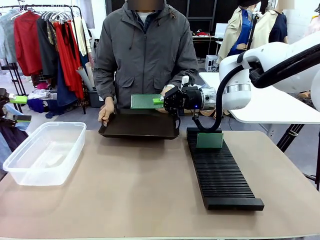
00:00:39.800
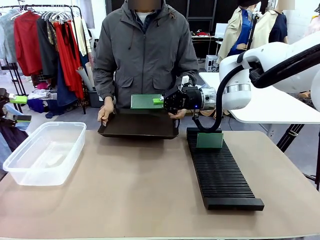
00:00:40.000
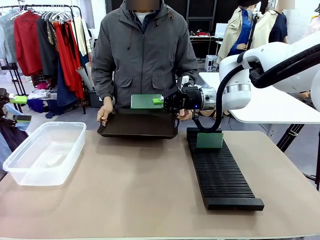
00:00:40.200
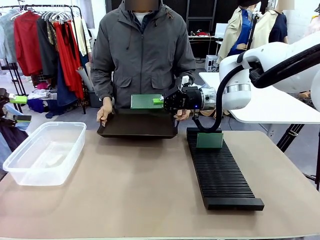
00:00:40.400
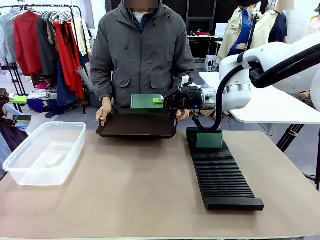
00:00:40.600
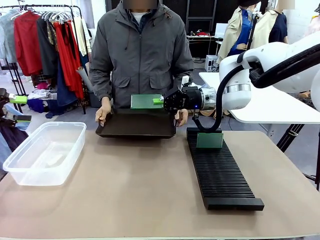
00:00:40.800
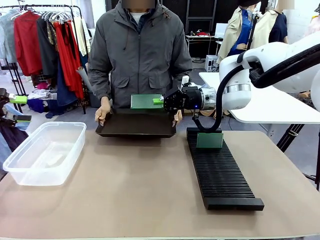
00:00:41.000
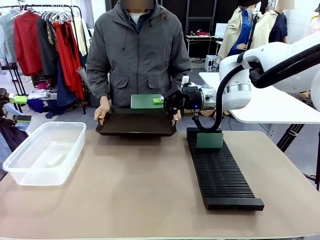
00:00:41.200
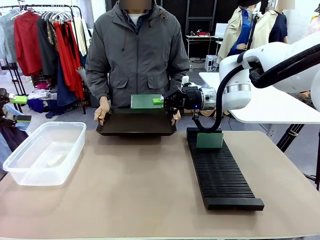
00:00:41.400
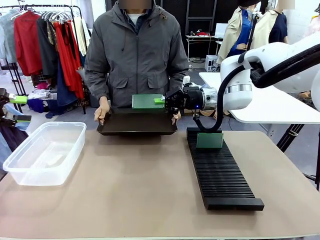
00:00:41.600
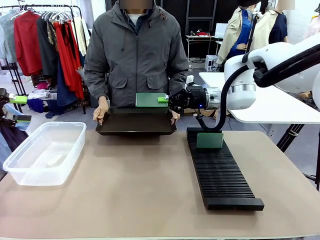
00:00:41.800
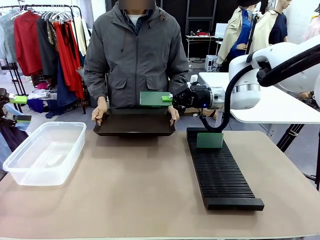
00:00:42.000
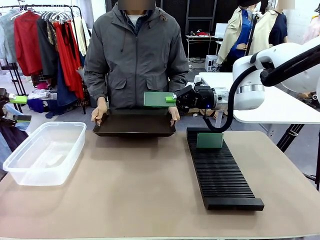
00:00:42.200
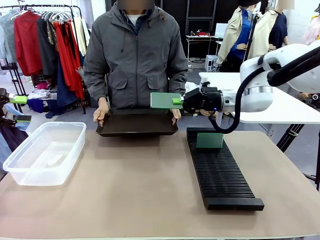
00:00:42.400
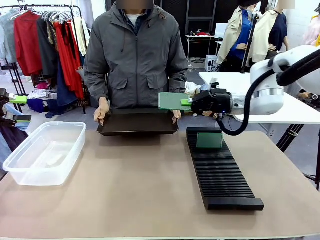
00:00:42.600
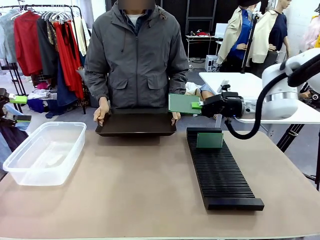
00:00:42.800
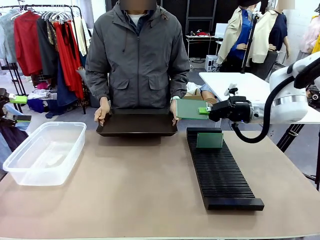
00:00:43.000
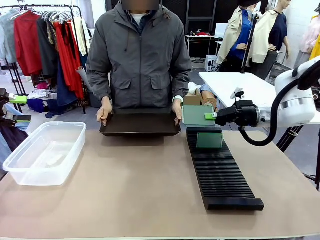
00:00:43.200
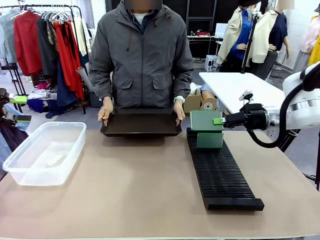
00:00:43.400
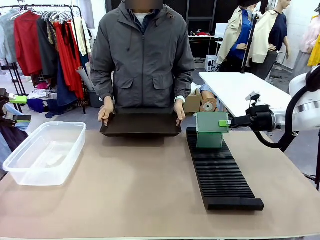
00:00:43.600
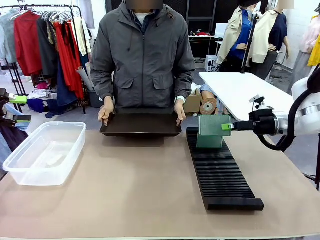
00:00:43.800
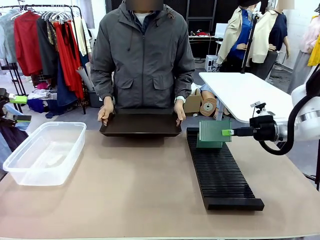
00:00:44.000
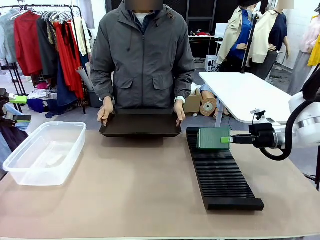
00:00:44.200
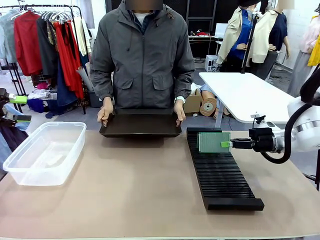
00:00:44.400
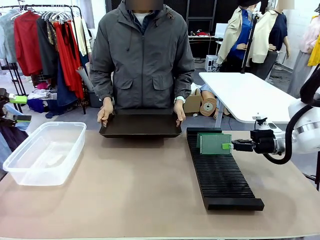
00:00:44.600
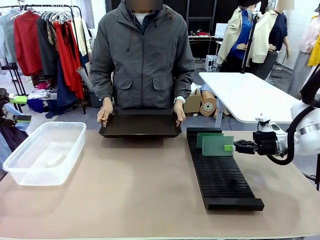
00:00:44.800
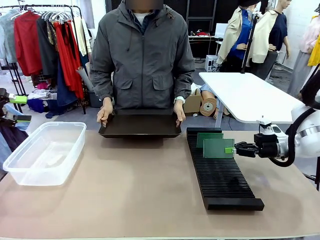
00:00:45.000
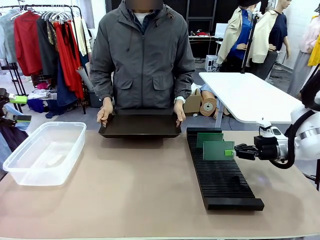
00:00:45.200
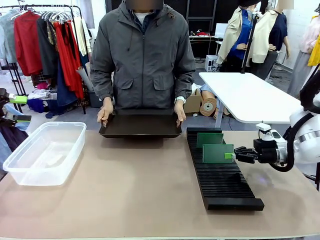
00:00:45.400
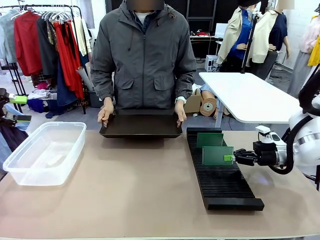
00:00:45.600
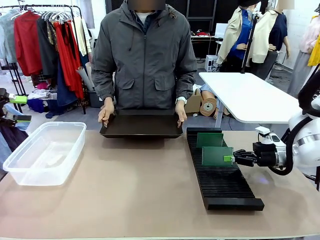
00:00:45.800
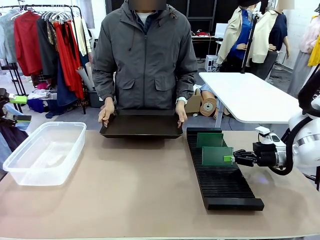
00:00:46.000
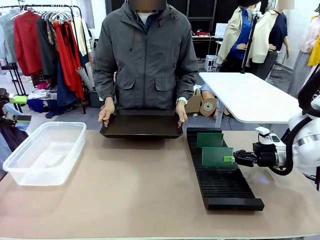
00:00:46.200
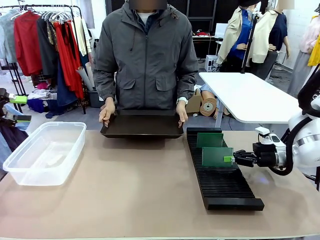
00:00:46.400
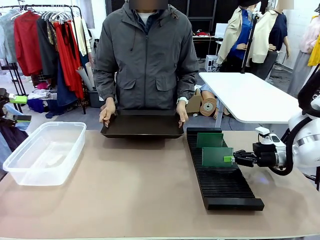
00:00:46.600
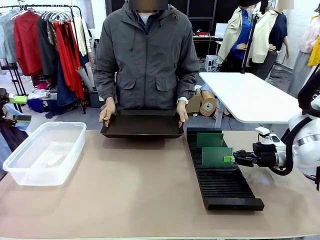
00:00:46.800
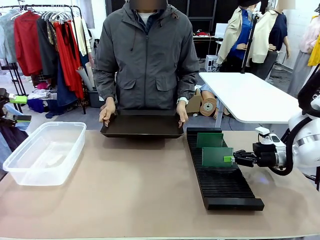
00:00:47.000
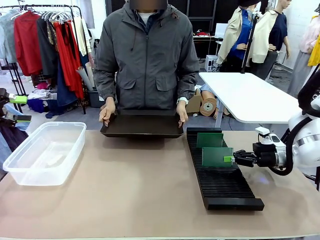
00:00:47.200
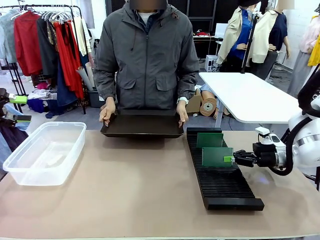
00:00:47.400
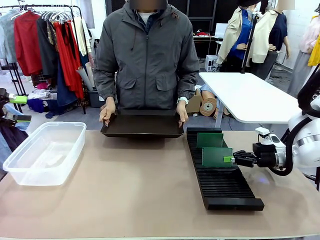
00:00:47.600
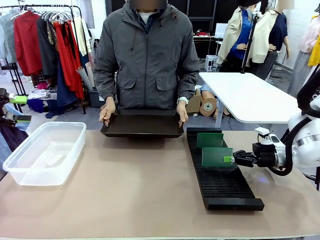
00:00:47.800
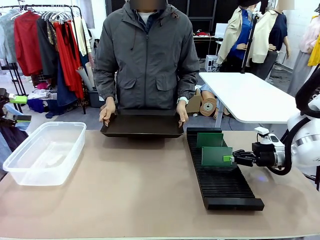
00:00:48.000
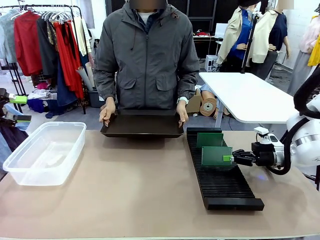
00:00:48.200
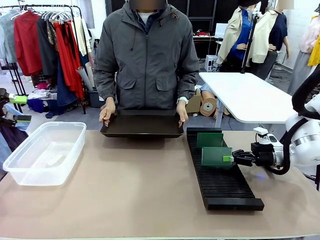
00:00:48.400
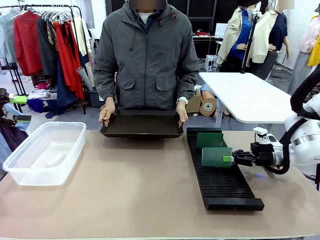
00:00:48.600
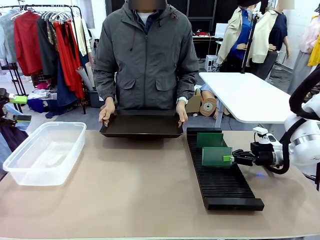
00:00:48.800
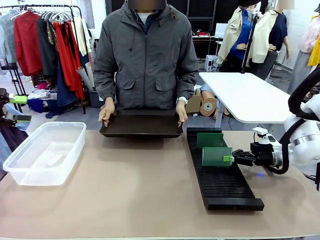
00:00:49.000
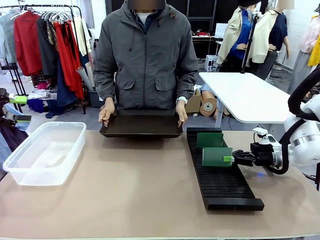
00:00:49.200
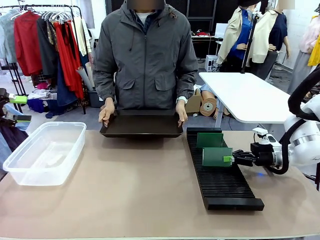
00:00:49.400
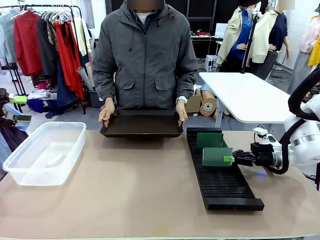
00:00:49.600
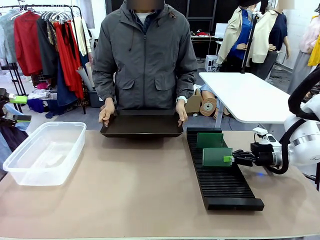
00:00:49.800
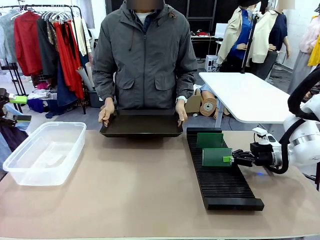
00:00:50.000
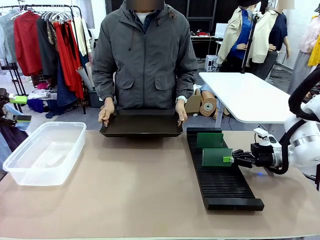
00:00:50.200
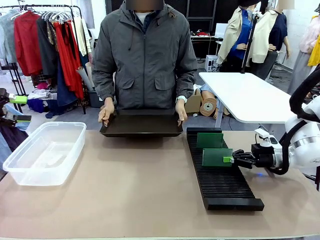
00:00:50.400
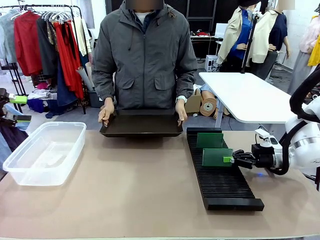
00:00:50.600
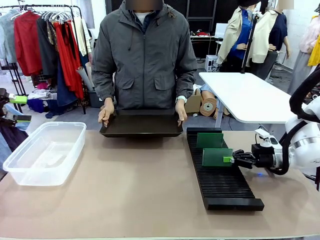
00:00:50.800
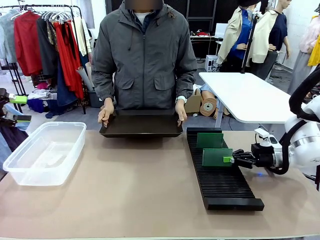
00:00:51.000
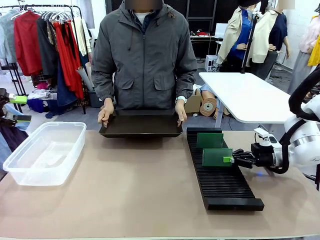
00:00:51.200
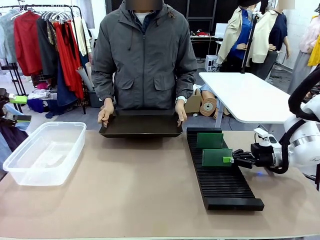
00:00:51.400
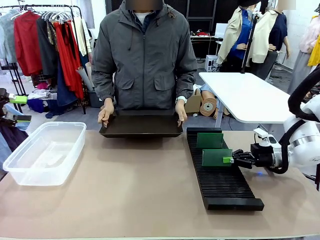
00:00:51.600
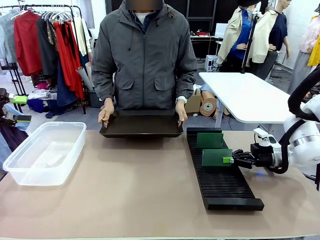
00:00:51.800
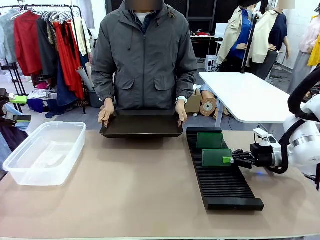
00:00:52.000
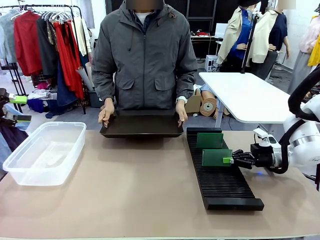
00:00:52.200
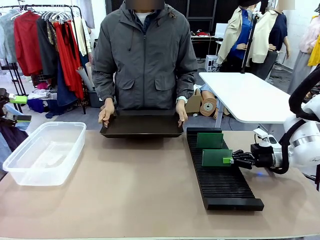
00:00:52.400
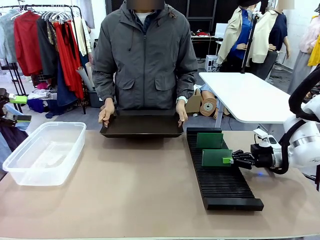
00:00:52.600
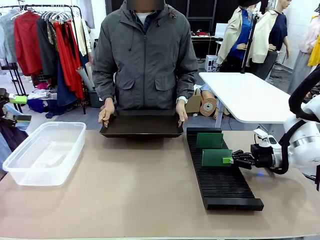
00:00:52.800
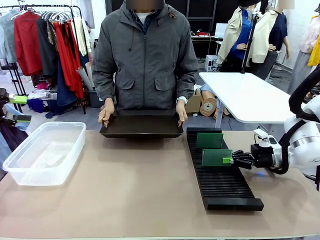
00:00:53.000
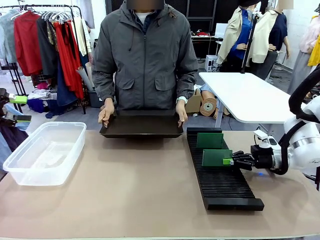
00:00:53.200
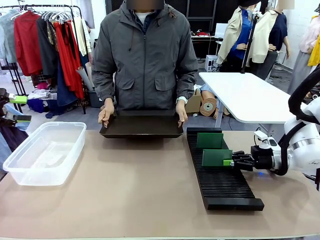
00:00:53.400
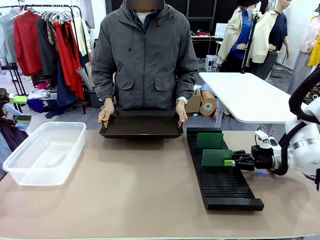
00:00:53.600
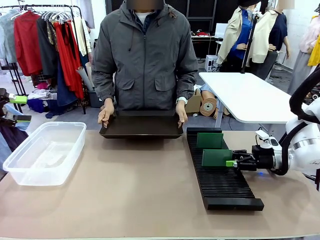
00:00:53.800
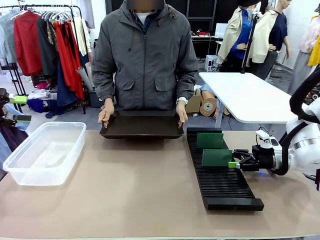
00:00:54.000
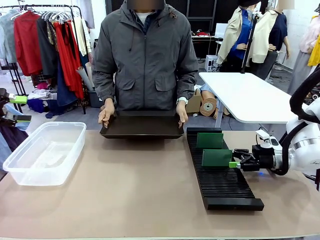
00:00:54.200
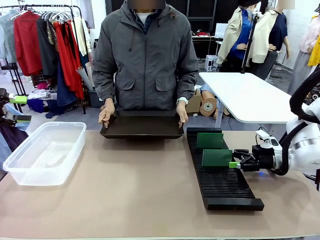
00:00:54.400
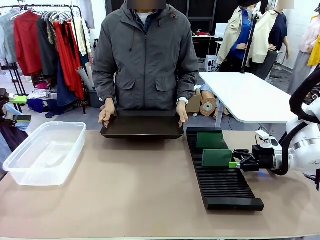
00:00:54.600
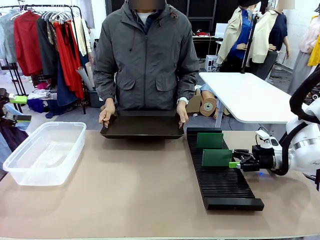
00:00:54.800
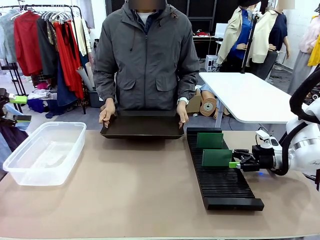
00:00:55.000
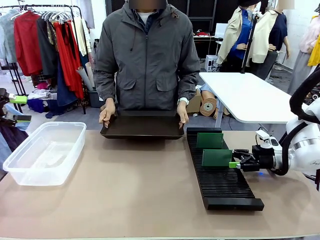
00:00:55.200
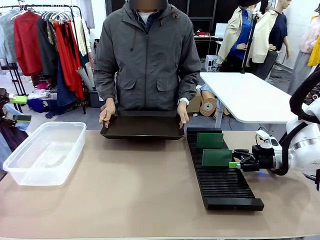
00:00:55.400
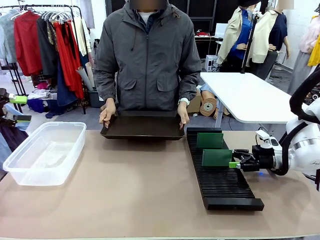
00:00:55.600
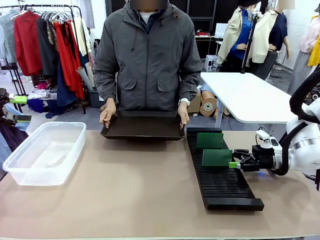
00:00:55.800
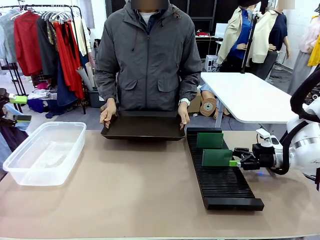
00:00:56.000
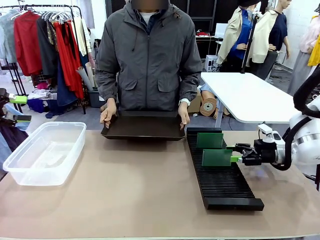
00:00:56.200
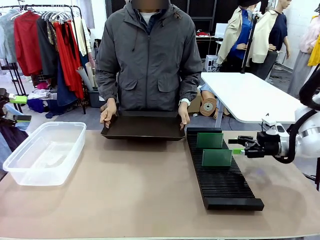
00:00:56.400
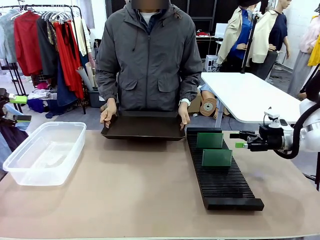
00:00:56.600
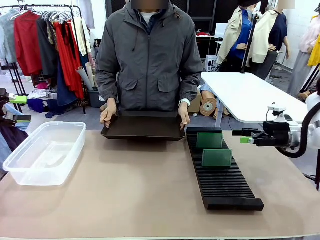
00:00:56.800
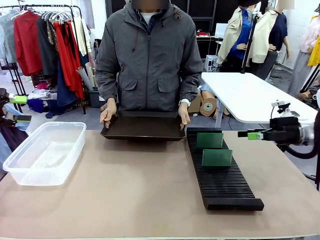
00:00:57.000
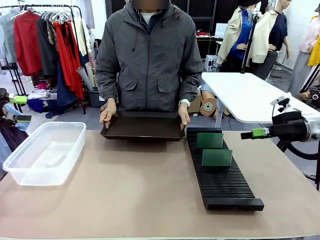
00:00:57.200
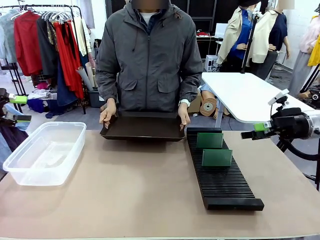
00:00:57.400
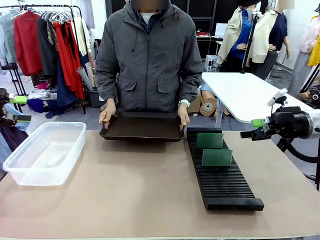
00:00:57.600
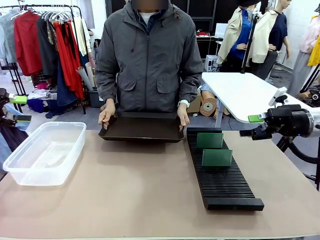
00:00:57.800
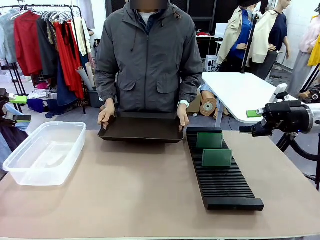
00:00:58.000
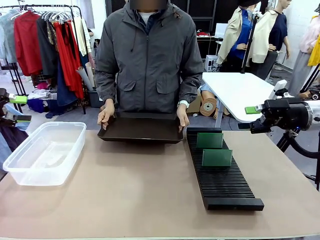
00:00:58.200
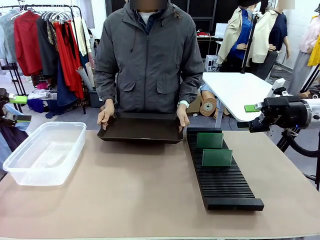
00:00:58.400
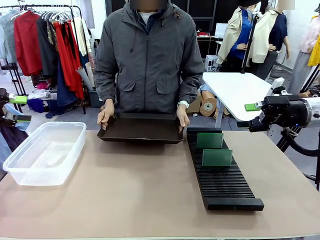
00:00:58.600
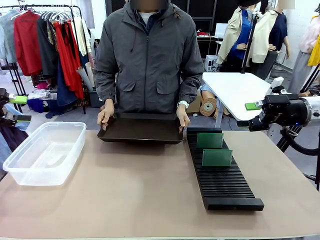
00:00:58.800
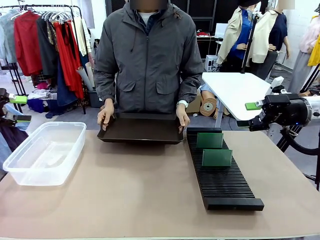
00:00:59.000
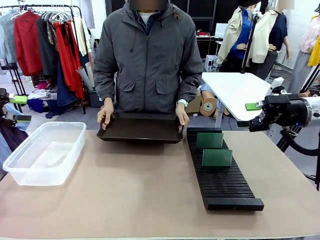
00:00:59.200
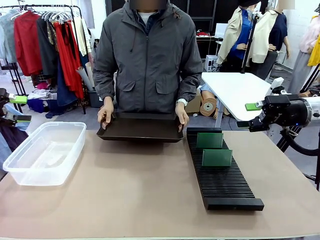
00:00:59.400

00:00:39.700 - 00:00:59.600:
Task: Sort PCBs into racks and boxes based on the side picked up.
Robot: If the short side of the Blank PCB is picked up, insert it into the PCB Rack ; if the long side is picked up, place it in the Organizing box.
Person: Release the PCB being held.
